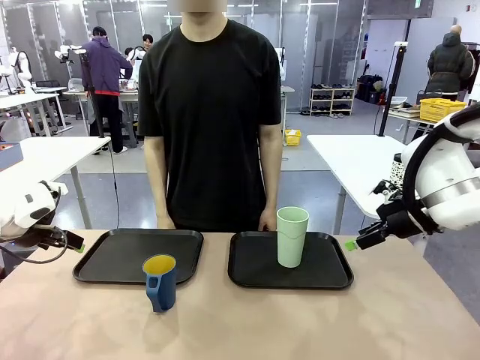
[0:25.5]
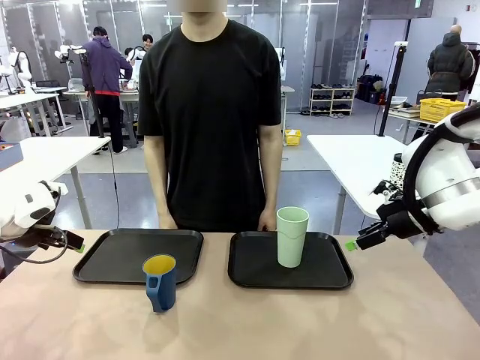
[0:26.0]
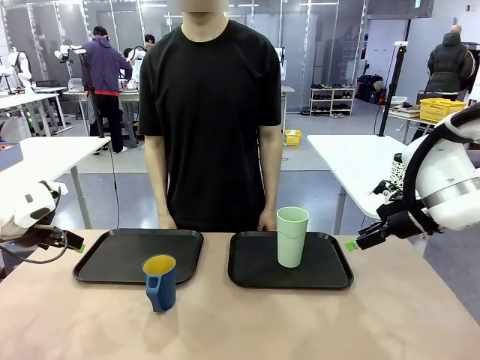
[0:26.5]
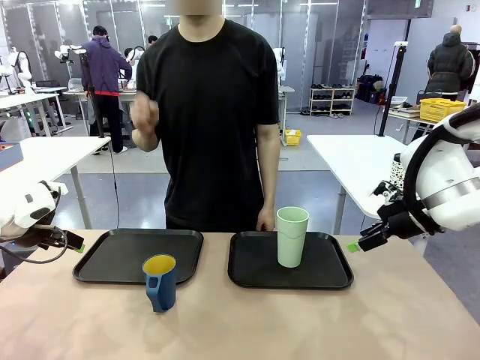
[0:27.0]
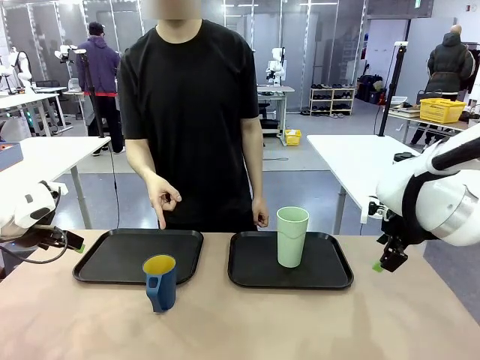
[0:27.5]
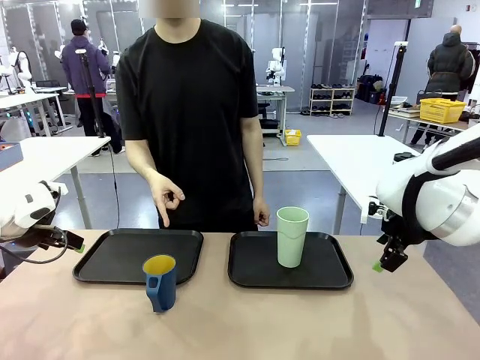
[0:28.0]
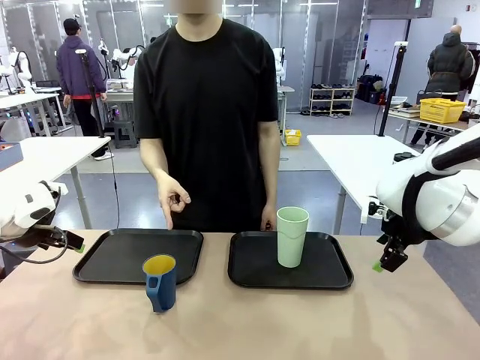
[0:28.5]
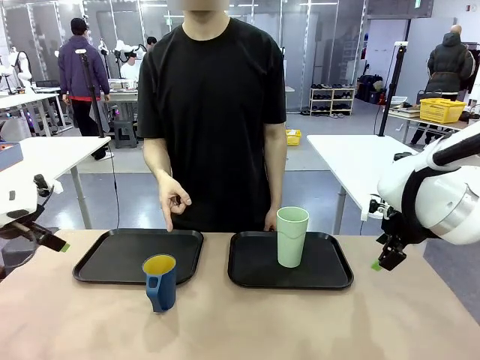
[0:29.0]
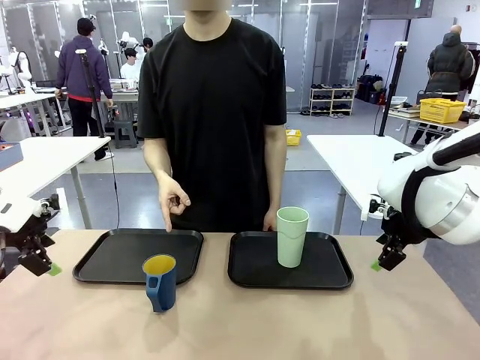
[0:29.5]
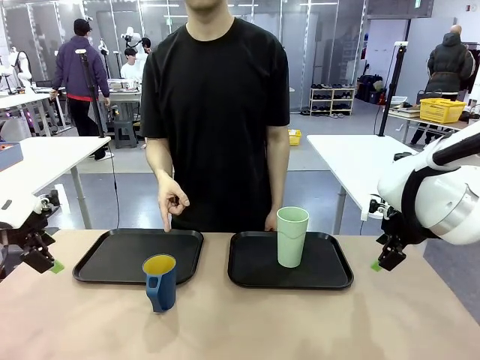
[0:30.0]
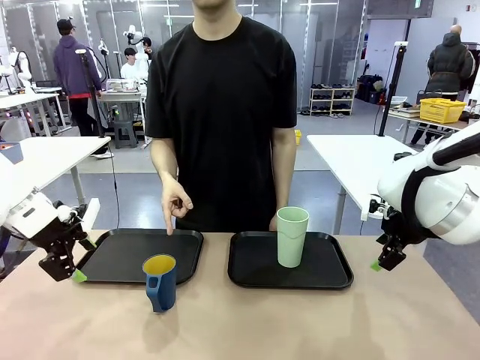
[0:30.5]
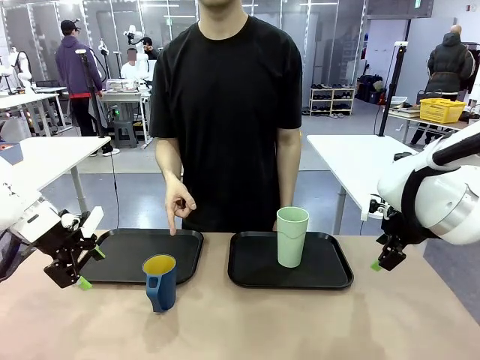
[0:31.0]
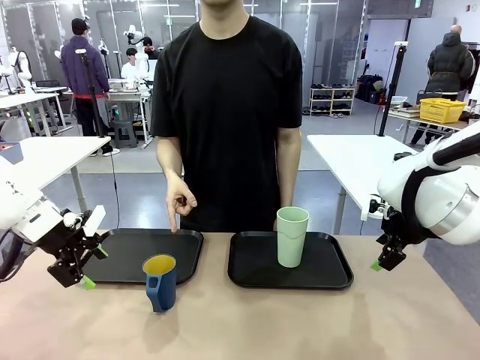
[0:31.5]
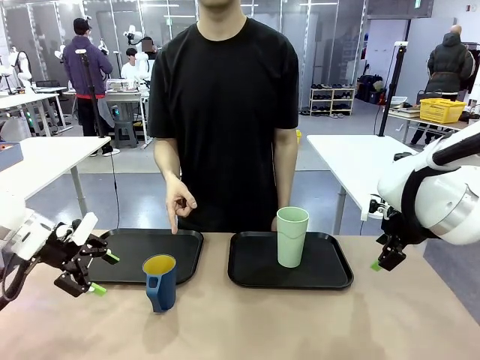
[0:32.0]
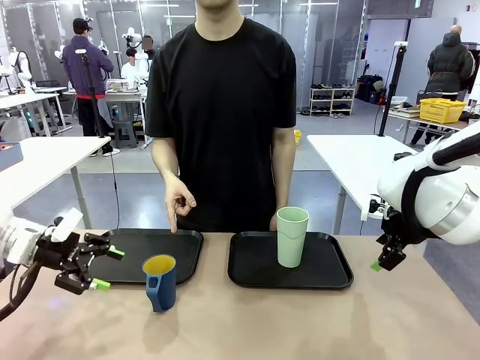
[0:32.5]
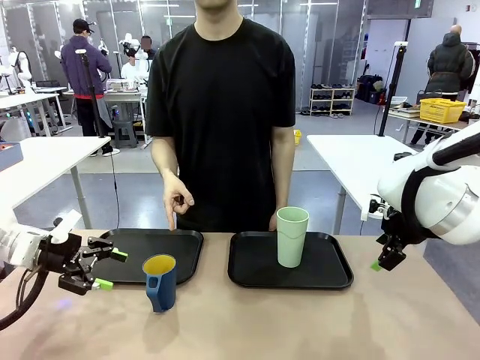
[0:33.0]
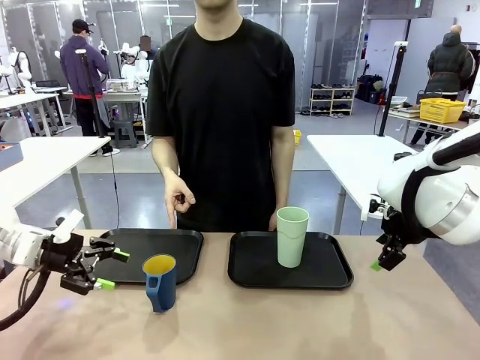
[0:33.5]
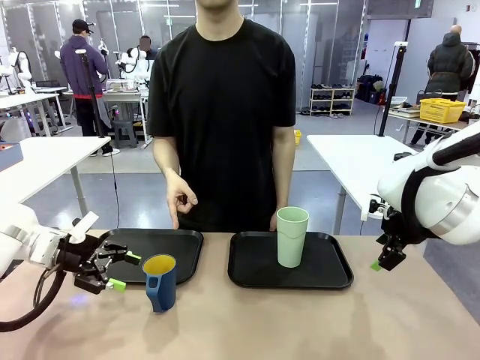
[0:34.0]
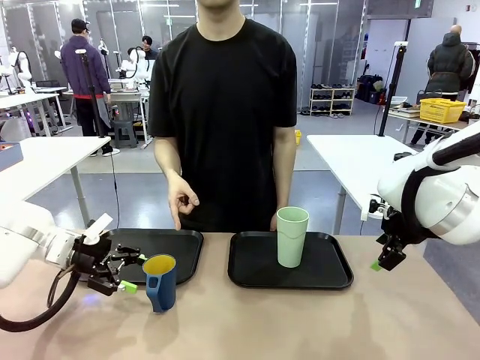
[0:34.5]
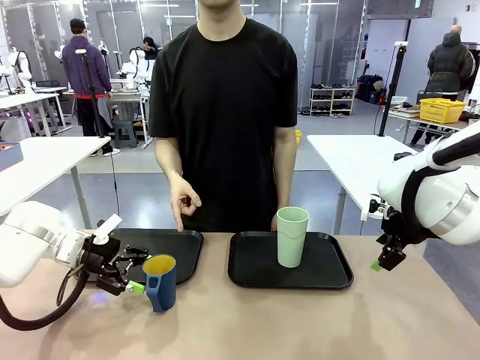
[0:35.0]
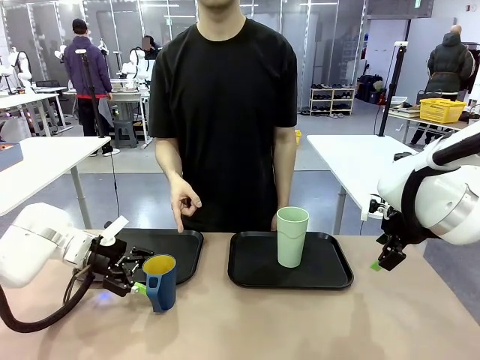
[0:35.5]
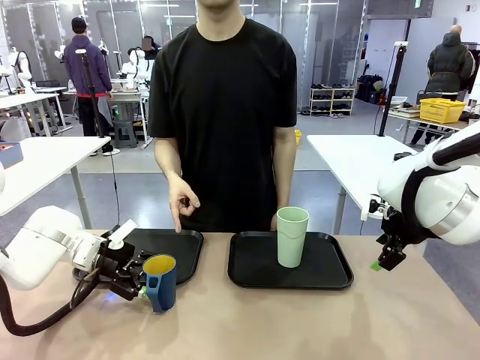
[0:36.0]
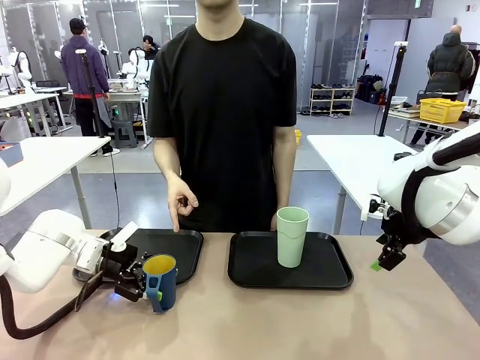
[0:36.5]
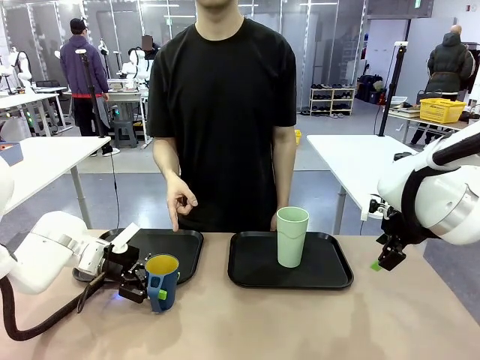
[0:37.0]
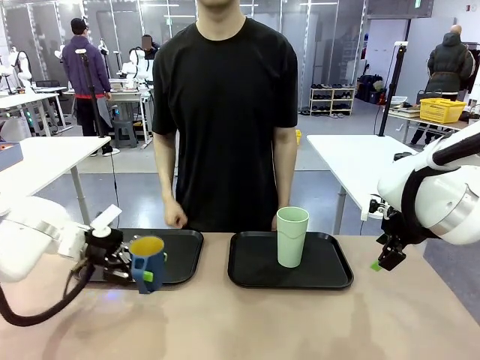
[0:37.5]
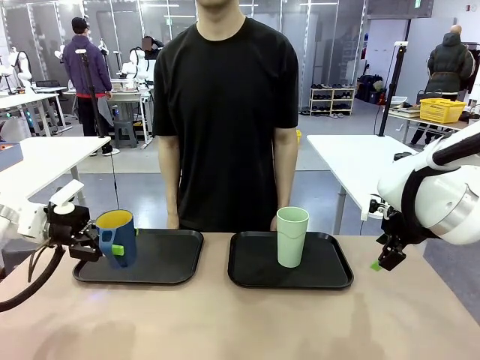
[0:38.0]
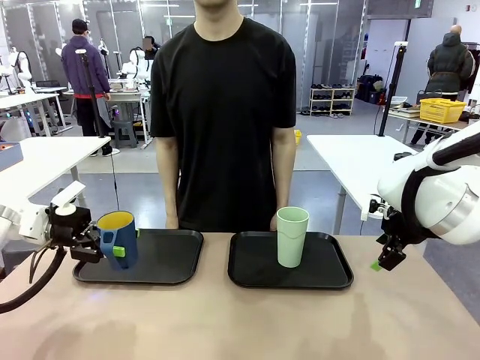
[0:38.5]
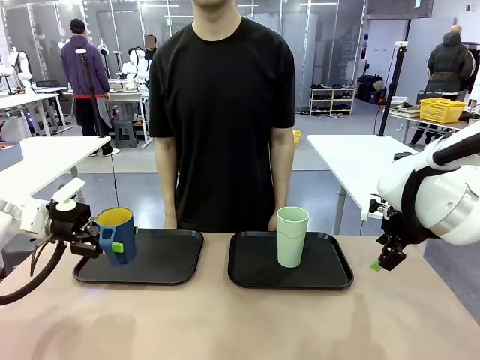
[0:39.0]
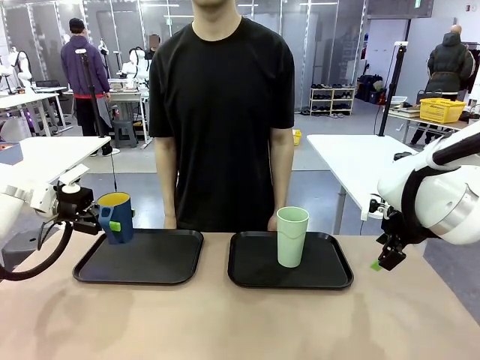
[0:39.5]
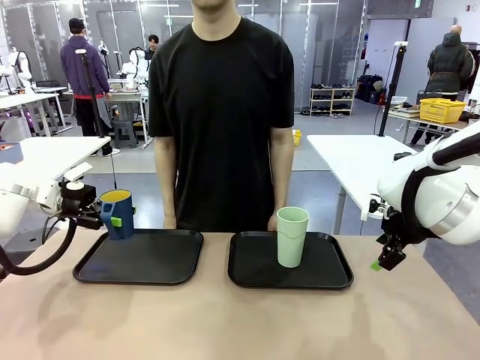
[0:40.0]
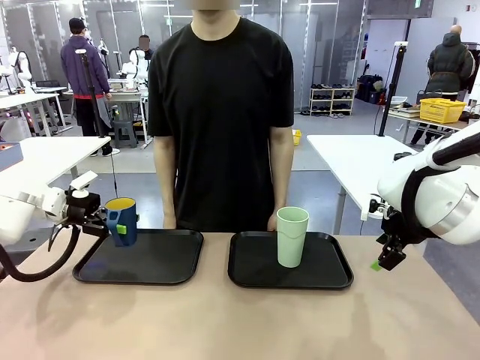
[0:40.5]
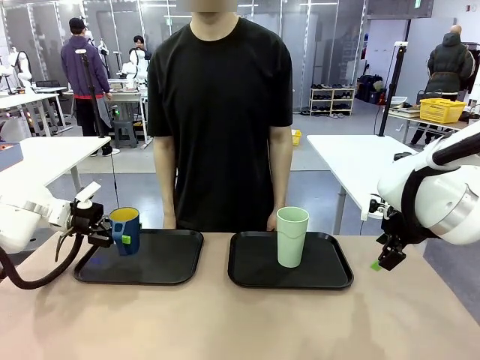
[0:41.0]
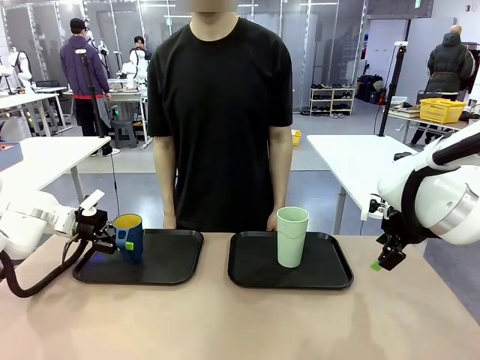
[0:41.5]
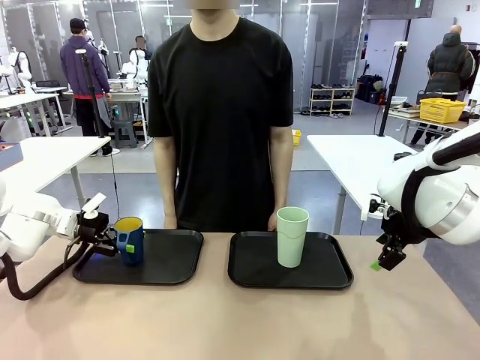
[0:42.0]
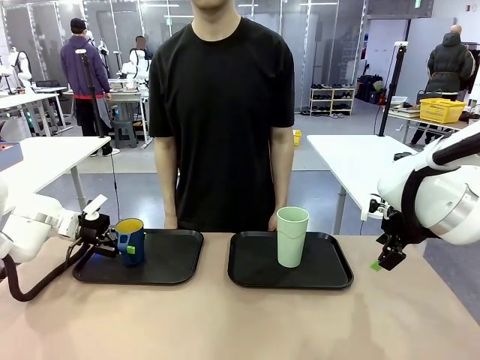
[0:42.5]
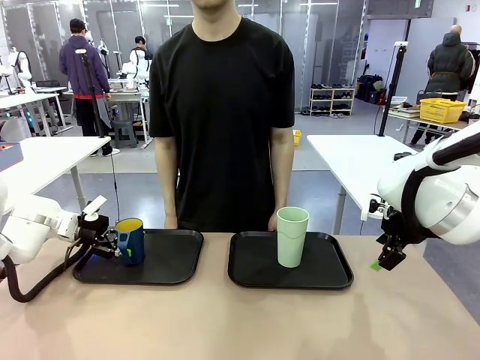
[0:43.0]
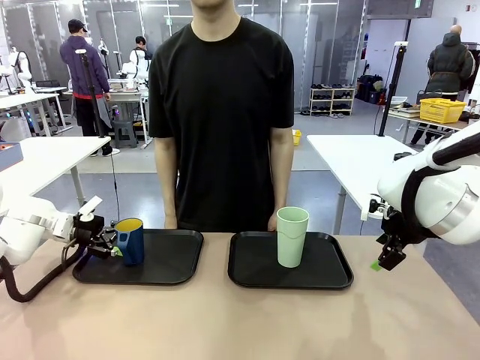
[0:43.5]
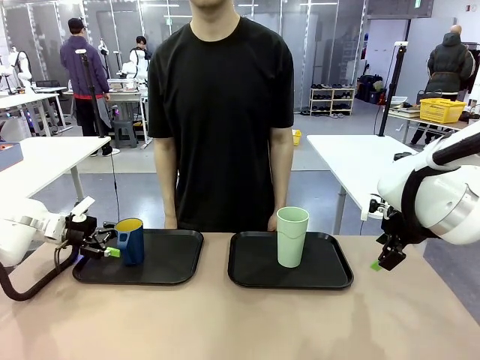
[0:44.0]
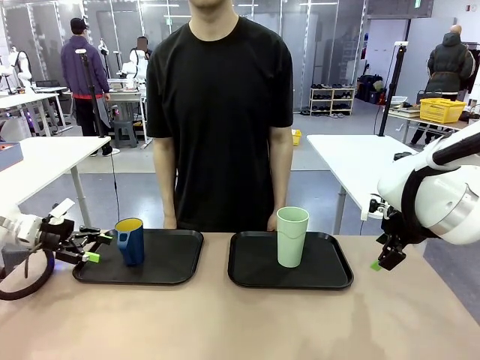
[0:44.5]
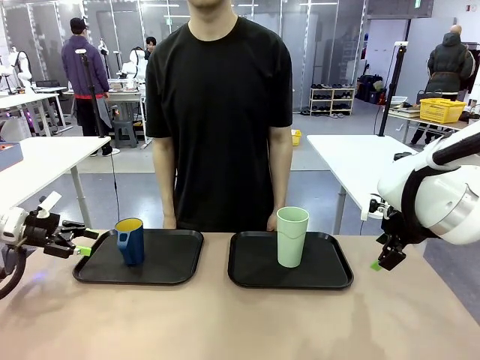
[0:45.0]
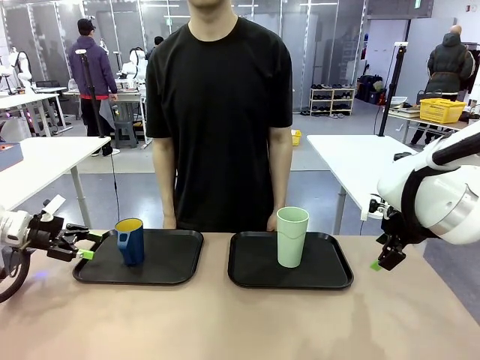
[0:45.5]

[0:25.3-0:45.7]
Task: Sort and store the cups by type.
Robot: Pick up the Handle plastic cup and place it into the empty Flat Tray.
Person: Points to the cup with a handle.

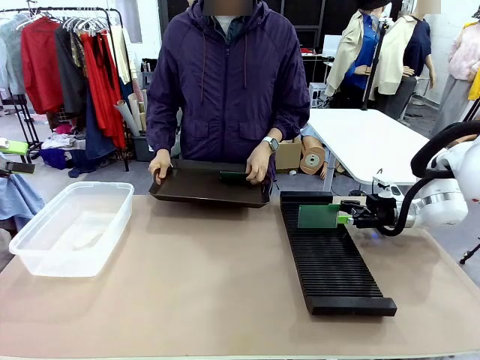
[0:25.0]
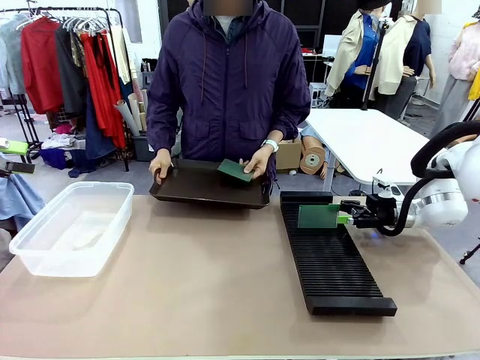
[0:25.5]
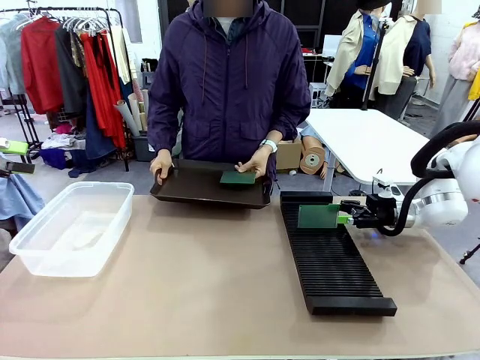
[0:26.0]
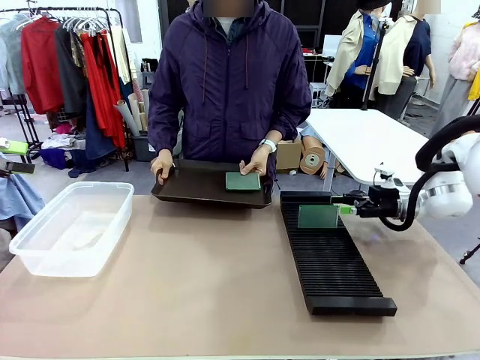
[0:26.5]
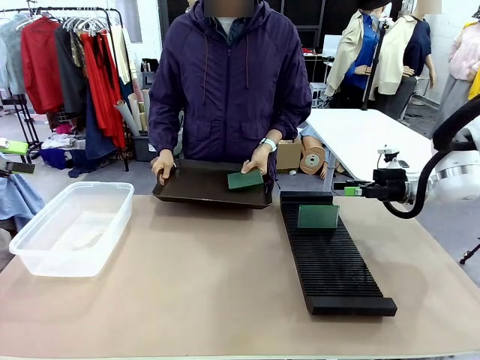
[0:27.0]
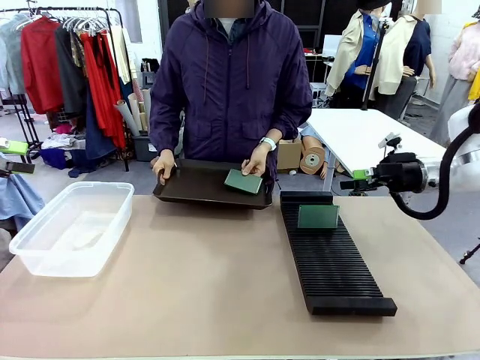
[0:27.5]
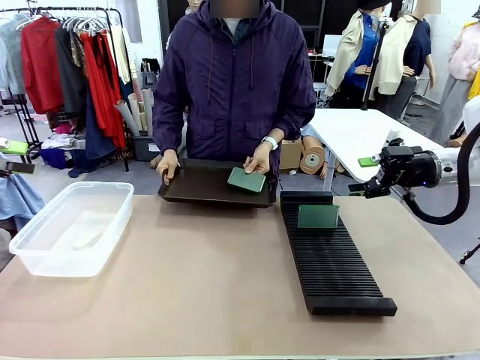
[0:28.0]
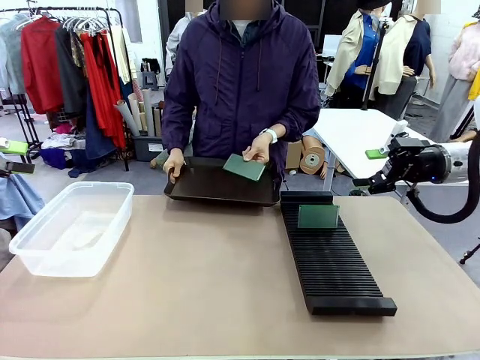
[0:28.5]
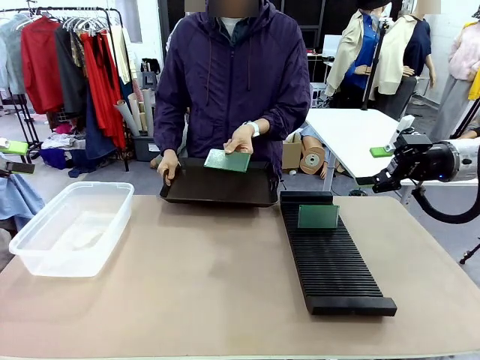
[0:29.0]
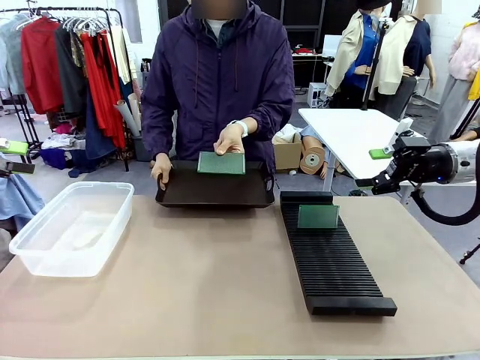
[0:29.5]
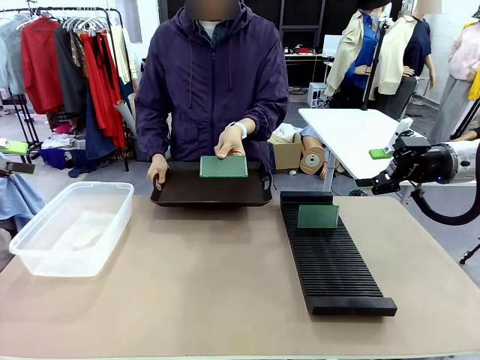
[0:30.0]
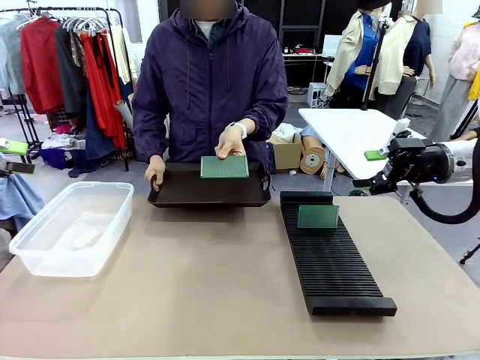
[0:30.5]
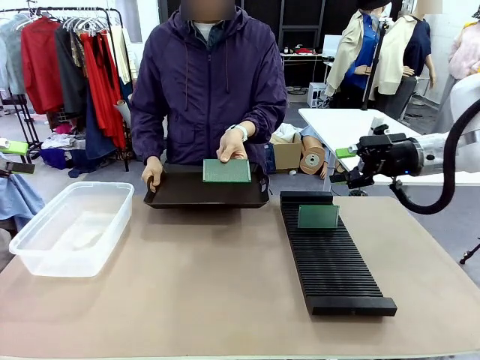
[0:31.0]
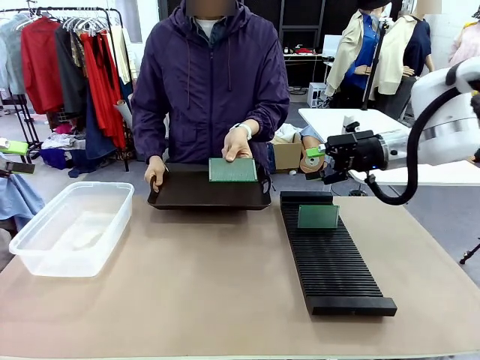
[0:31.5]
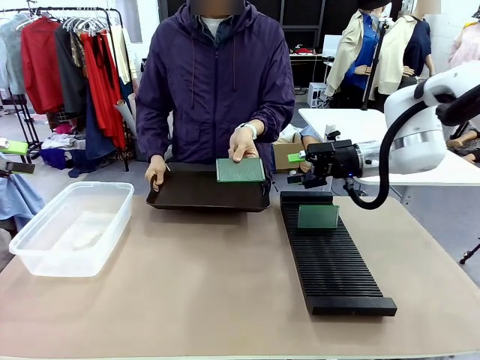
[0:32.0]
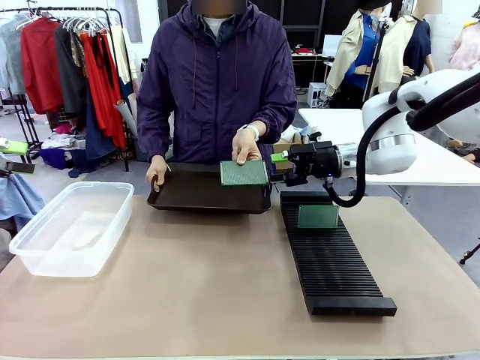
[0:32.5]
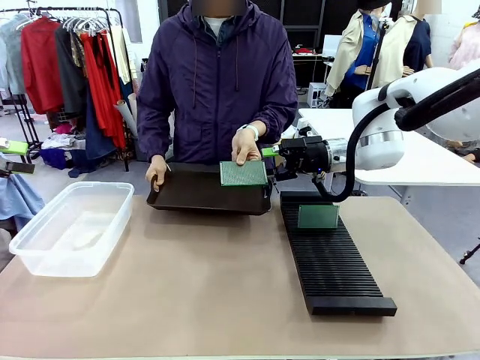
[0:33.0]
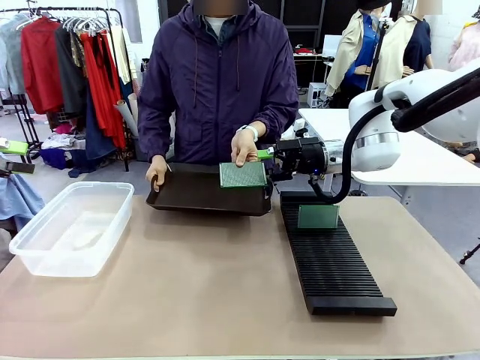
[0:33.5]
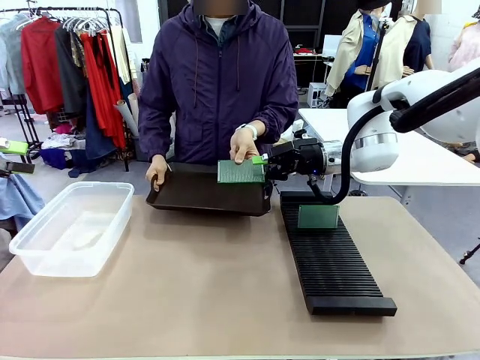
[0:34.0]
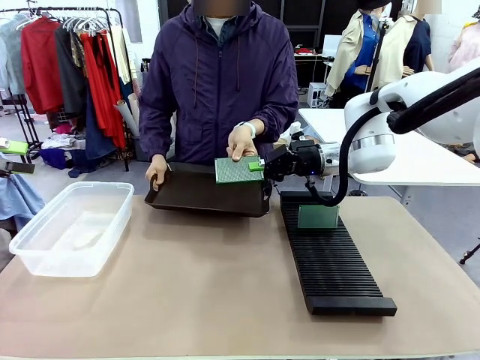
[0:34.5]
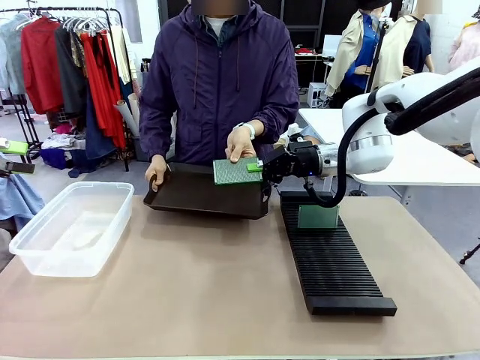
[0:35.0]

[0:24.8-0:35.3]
Task: Sort PCBs into racks and boxes based on the side picked up.
Robot: Pick up the Blank PCB handed by the Human.
